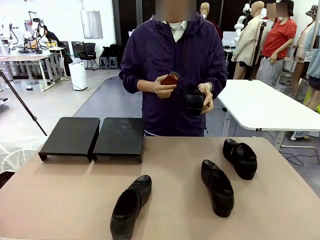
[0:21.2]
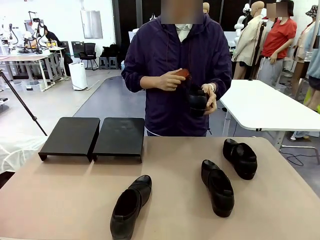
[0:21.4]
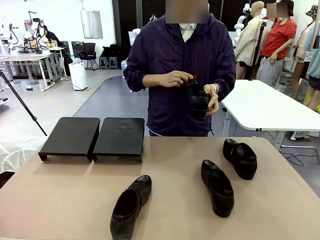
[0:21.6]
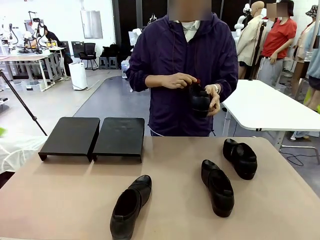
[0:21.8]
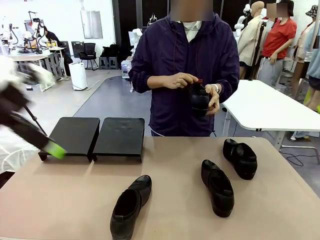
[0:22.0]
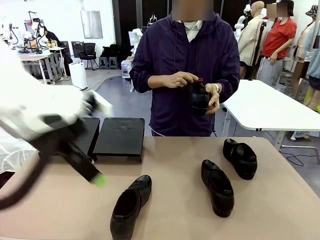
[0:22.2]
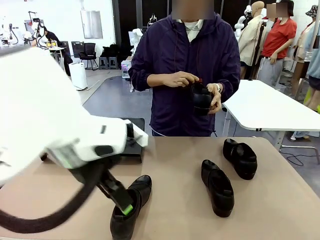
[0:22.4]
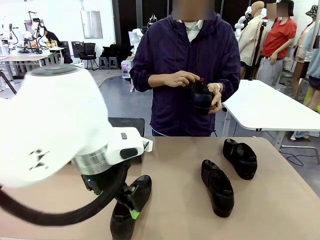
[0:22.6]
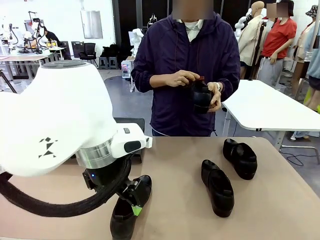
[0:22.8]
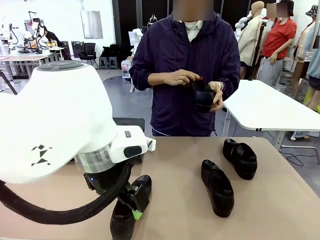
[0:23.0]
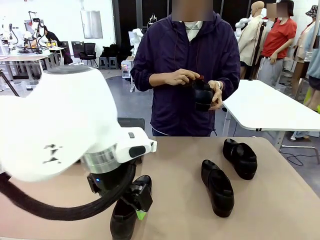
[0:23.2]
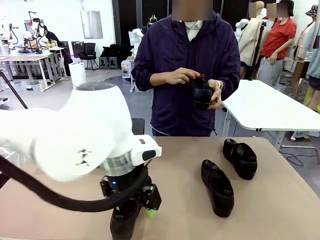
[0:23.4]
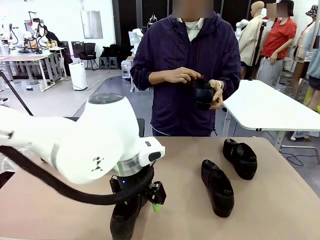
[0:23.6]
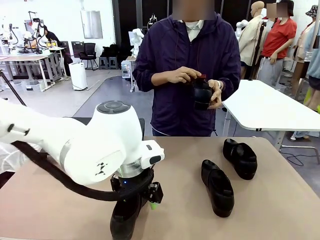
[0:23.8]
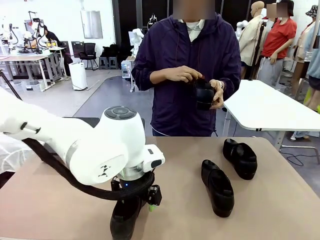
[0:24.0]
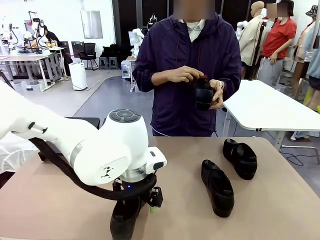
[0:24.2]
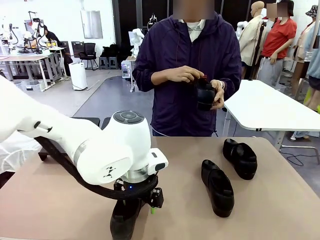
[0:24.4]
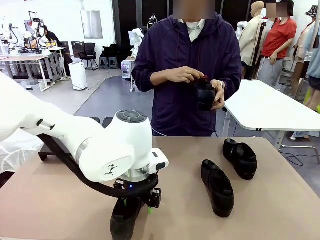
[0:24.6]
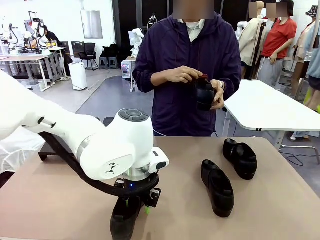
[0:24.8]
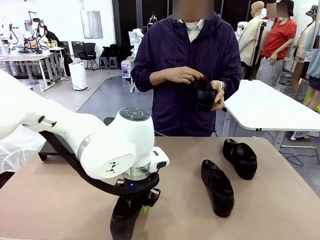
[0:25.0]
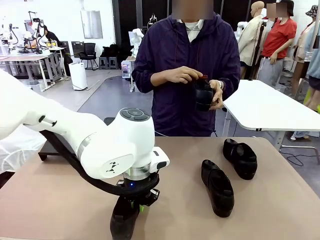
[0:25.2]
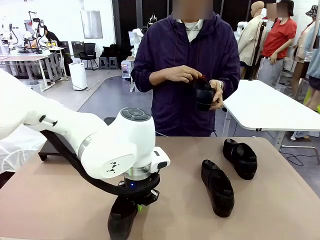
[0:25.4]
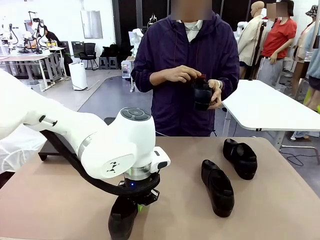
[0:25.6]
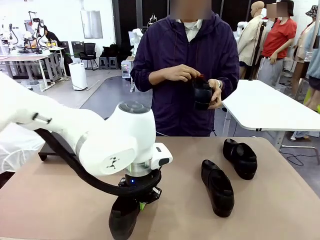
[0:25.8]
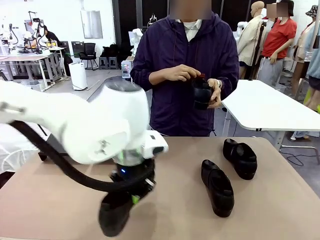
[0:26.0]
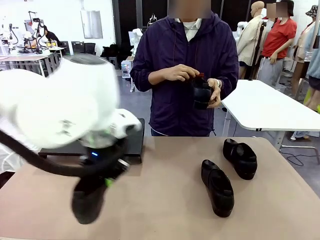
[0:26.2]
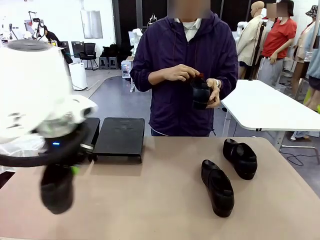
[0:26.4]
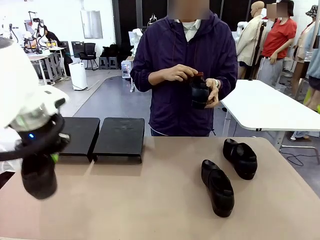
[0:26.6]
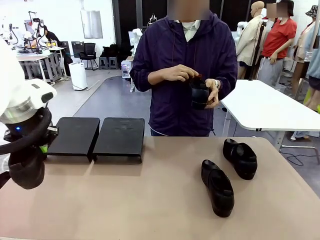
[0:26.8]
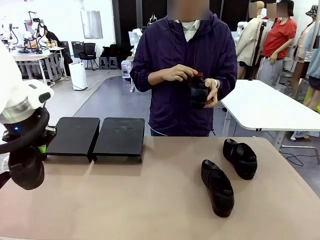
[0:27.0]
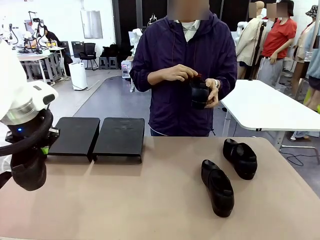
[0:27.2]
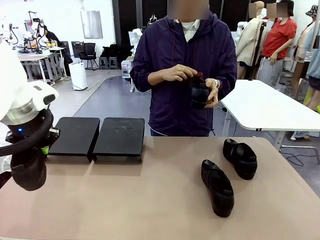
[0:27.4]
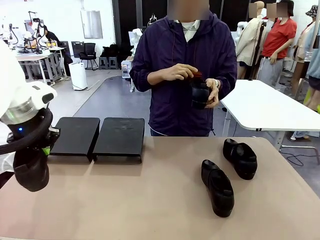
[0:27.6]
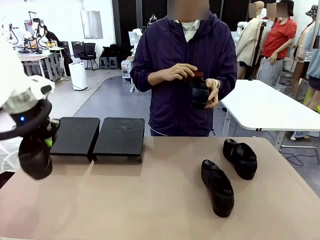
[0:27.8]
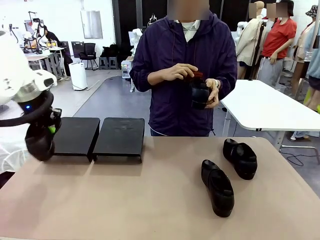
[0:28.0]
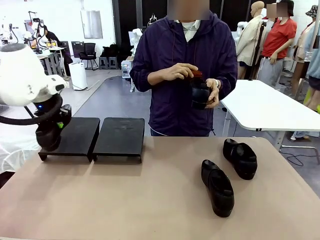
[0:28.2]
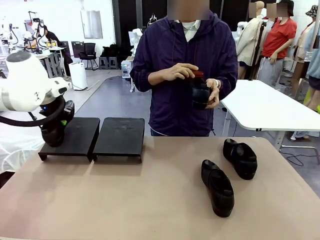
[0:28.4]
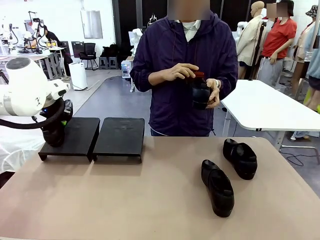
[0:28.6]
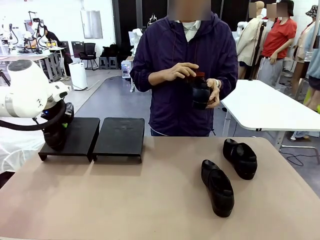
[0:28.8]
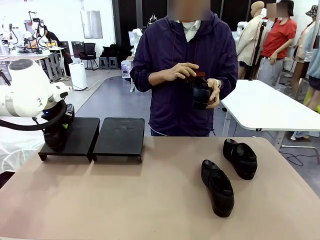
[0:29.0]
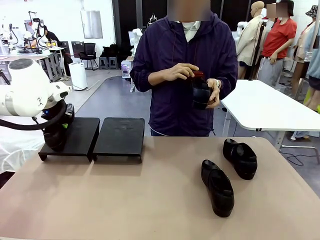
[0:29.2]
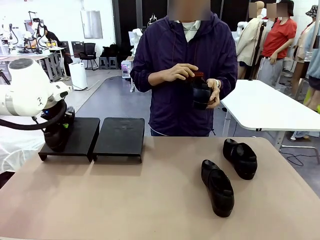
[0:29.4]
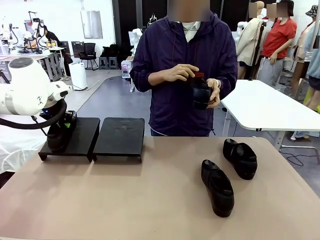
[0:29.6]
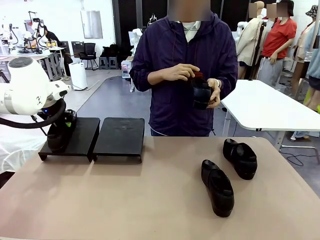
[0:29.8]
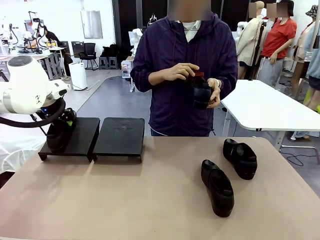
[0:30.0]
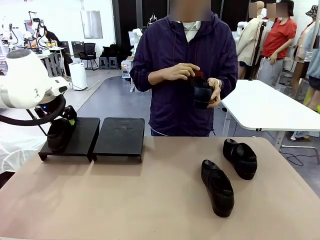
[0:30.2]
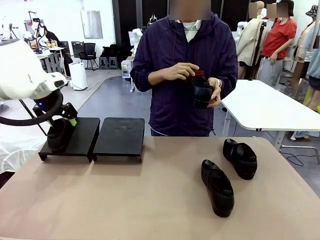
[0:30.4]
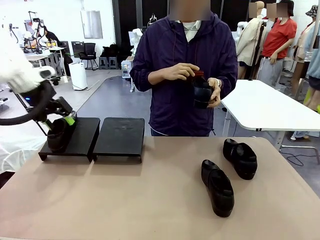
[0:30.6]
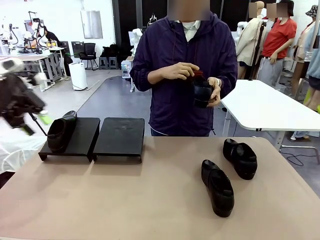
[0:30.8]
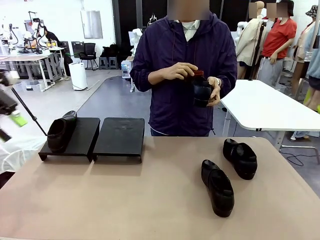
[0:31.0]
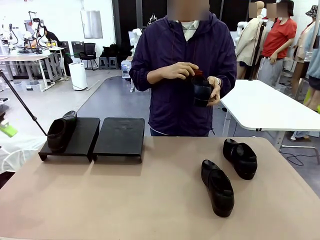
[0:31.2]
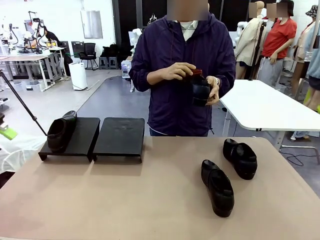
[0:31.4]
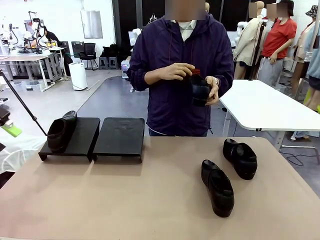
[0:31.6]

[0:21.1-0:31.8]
Task: Organize the shoes by placing them on the stand.
Robot: Place the Shoe from the middle of the table onto the Shoes Stand.
Person: Clean the Shoe with the Shoe Brush.

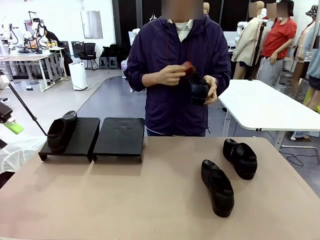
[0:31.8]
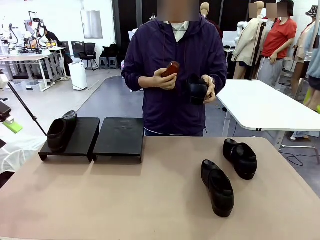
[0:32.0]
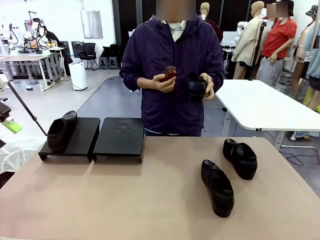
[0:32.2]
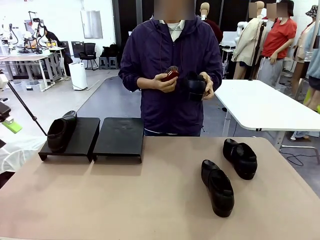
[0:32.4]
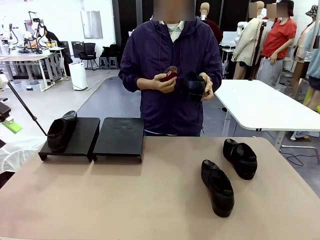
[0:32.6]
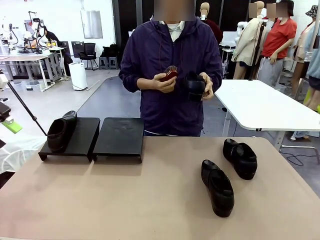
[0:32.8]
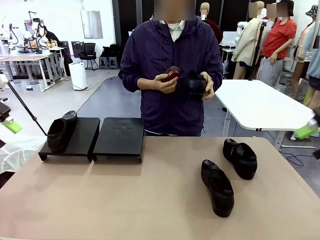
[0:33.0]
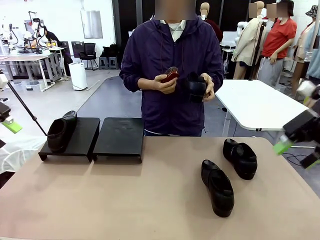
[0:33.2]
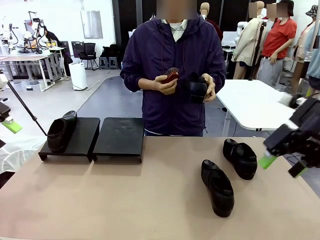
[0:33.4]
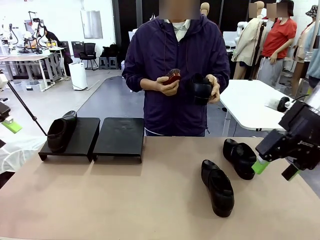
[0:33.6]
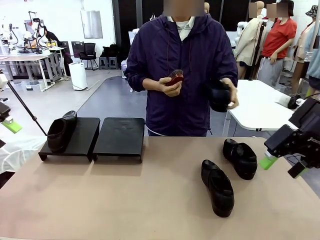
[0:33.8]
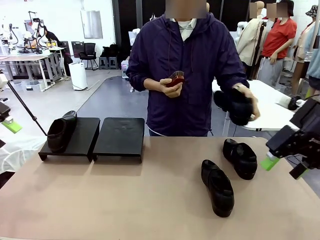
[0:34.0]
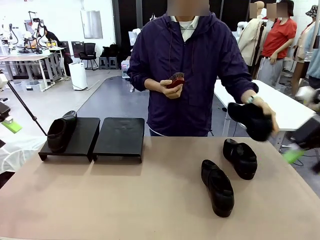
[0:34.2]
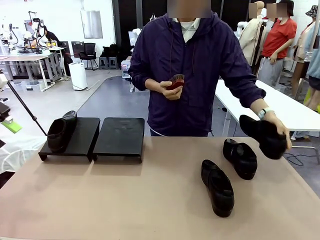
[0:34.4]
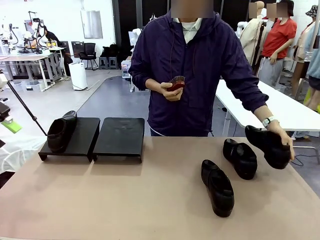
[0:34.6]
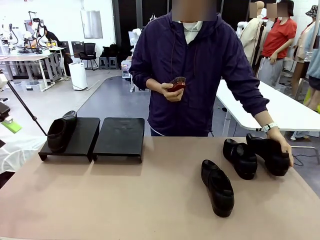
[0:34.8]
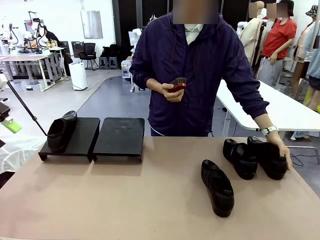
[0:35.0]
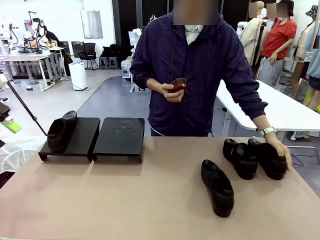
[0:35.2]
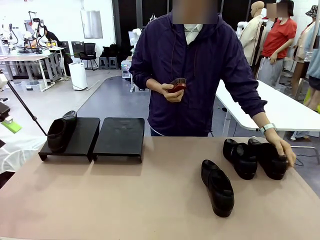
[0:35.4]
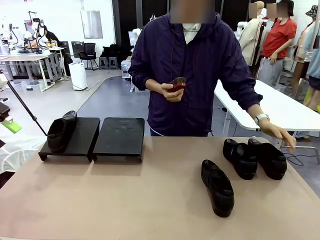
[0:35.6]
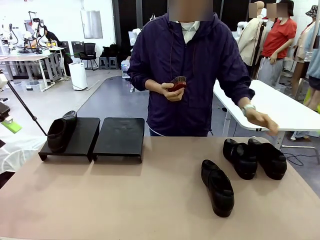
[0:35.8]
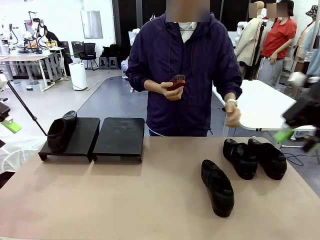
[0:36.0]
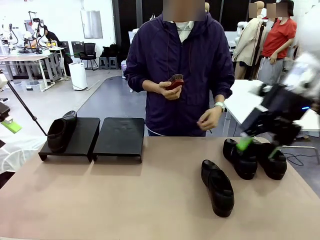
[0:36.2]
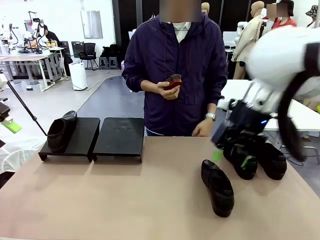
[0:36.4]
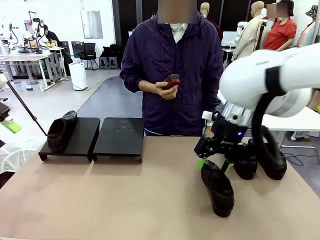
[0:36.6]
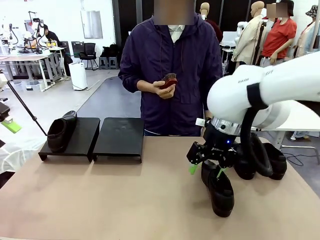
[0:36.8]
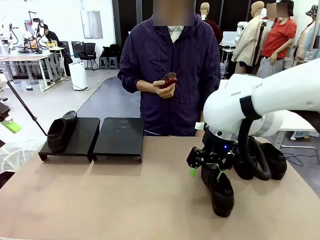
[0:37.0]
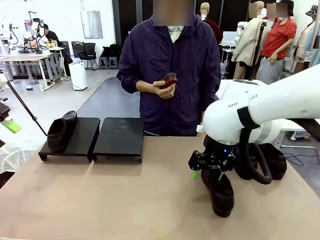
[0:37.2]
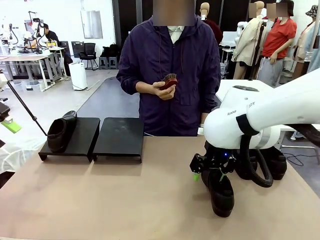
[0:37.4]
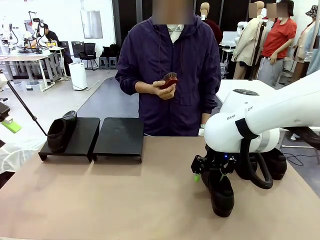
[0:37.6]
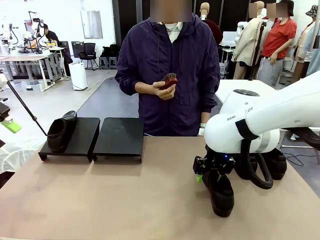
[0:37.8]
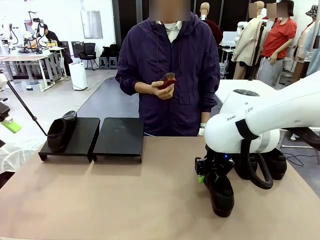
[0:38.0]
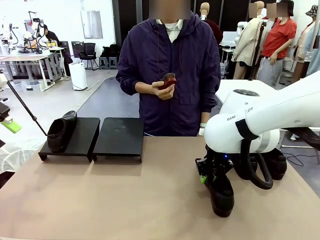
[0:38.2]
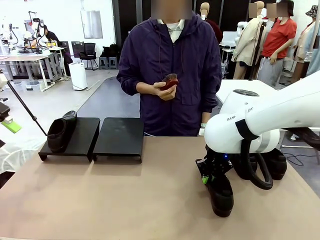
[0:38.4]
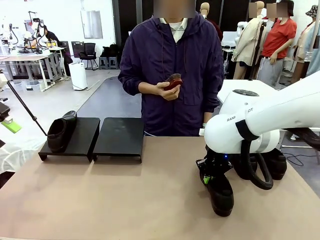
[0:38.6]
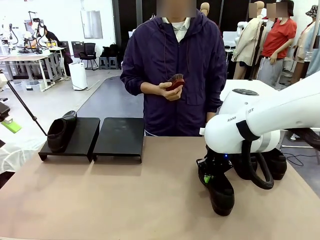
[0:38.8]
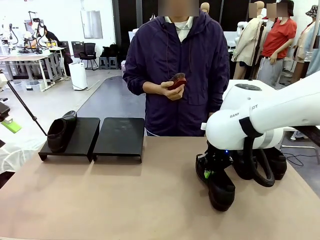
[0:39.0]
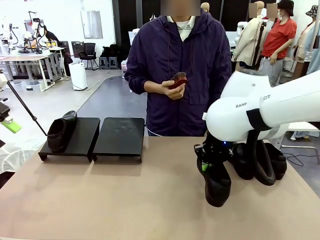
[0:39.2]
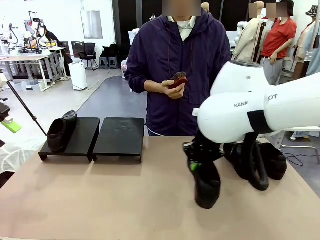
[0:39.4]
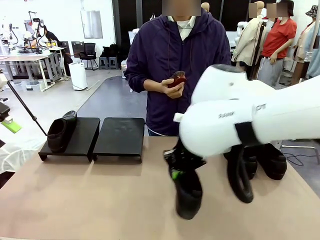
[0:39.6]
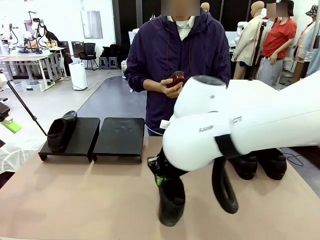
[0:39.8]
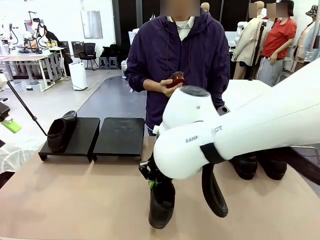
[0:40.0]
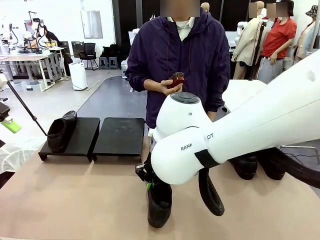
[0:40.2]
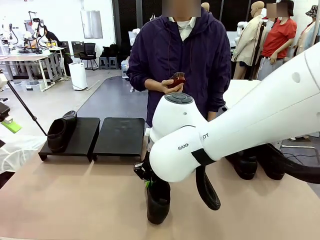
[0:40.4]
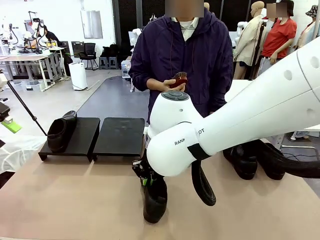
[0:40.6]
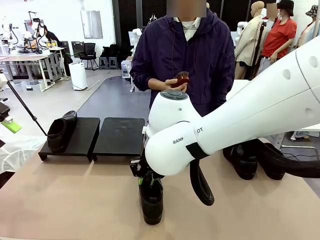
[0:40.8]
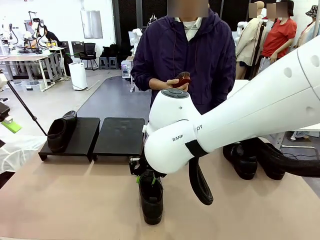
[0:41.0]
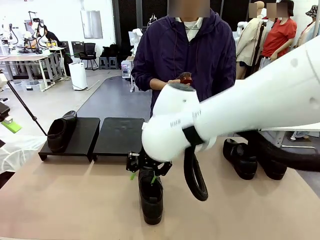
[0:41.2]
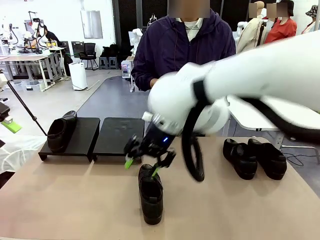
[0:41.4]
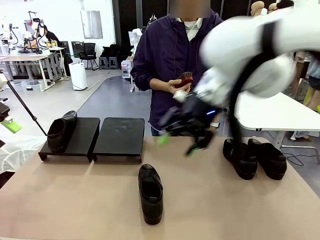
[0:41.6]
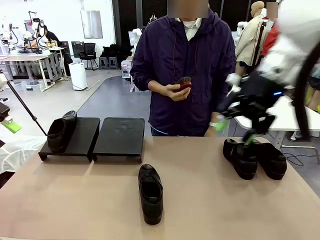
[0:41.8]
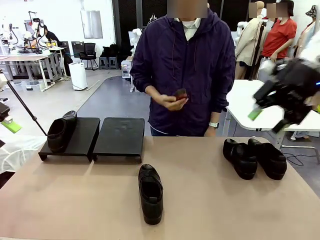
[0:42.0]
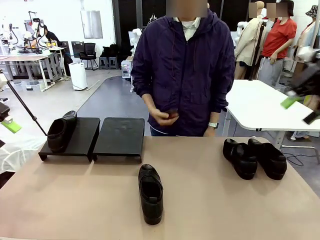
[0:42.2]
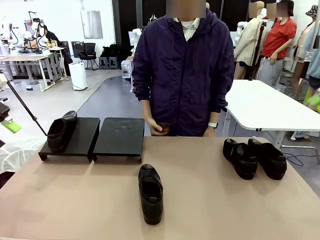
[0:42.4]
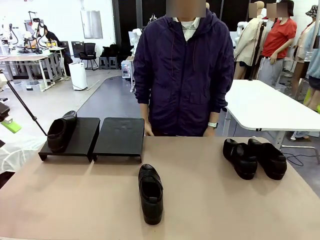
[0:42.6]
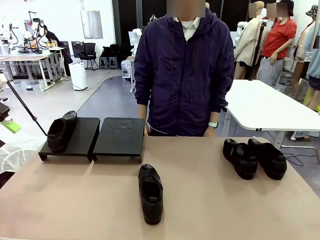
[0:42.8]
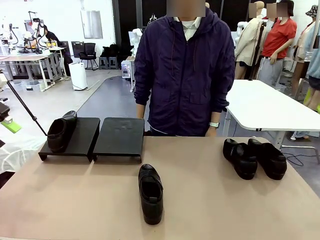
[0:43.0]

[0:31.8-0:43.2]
Robot: Pick up one Shoe and place it in the middle of the table.
